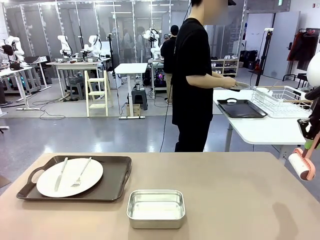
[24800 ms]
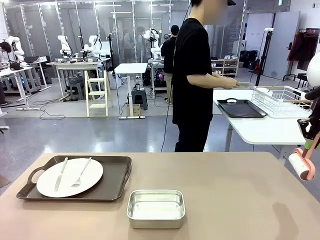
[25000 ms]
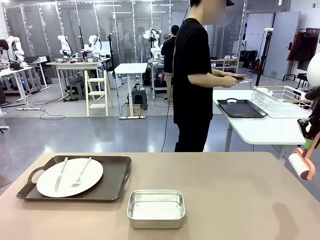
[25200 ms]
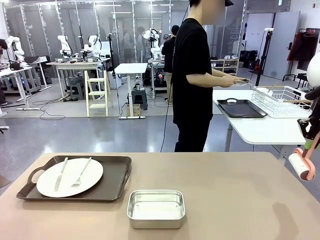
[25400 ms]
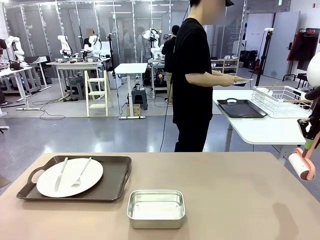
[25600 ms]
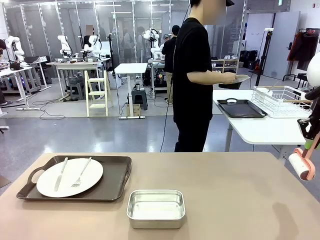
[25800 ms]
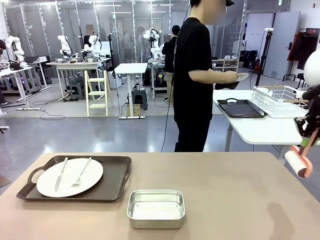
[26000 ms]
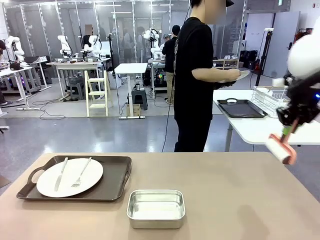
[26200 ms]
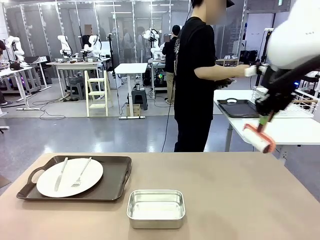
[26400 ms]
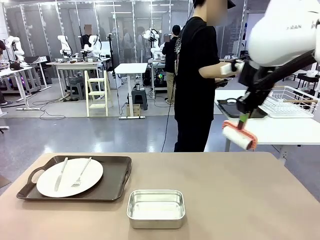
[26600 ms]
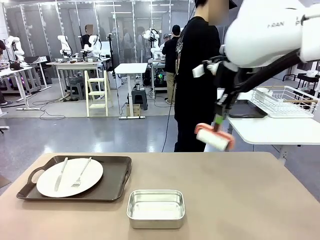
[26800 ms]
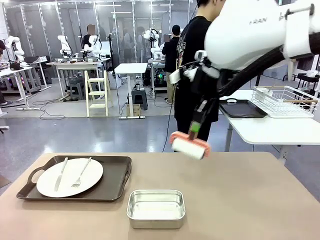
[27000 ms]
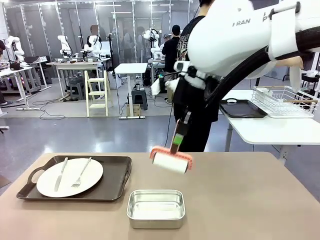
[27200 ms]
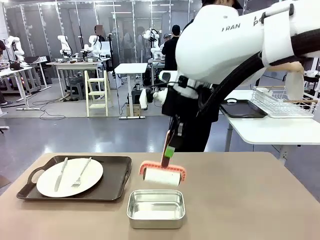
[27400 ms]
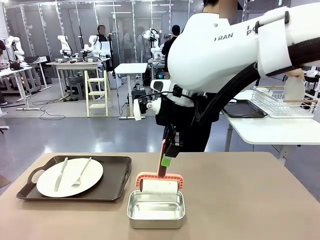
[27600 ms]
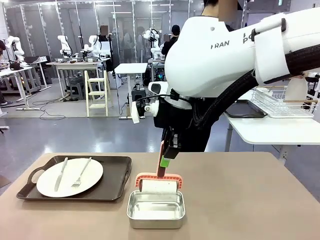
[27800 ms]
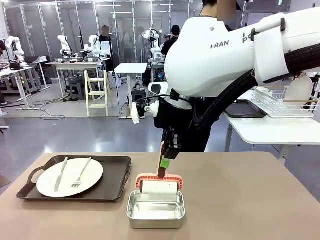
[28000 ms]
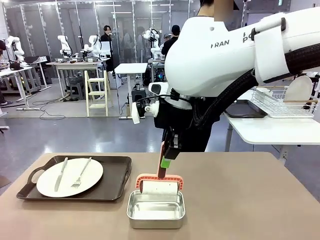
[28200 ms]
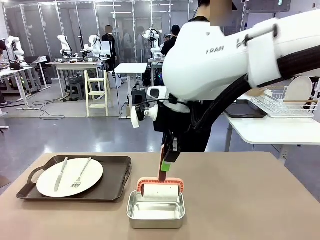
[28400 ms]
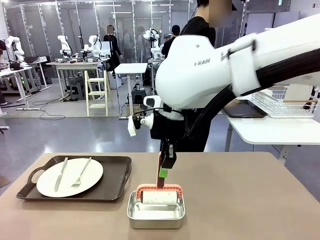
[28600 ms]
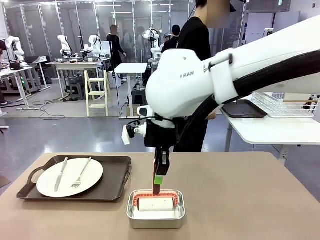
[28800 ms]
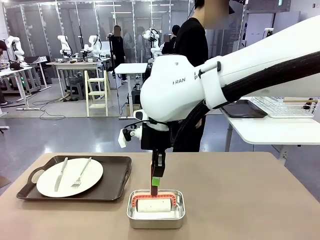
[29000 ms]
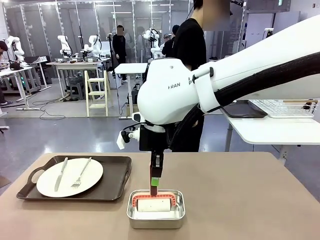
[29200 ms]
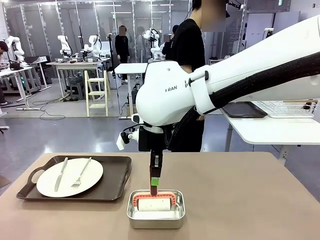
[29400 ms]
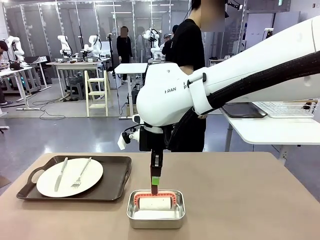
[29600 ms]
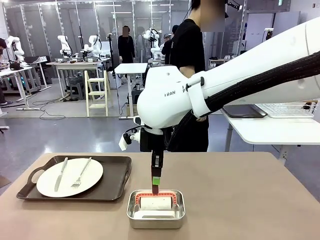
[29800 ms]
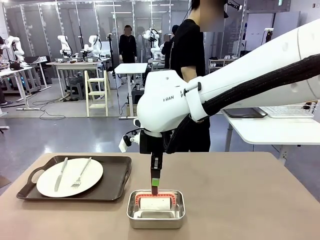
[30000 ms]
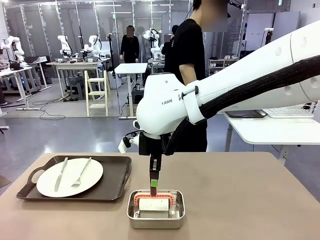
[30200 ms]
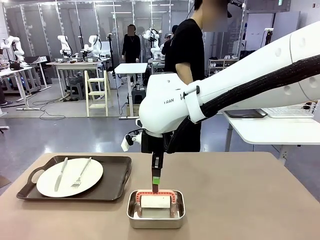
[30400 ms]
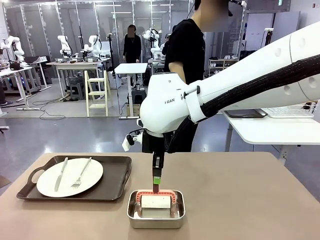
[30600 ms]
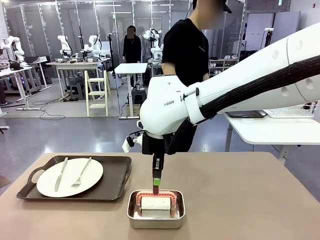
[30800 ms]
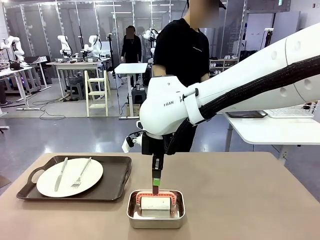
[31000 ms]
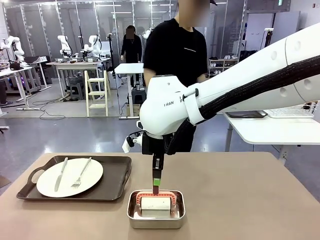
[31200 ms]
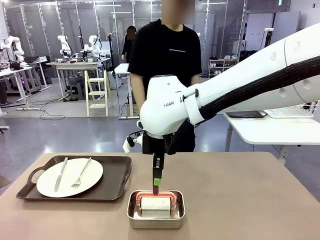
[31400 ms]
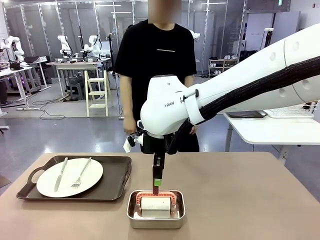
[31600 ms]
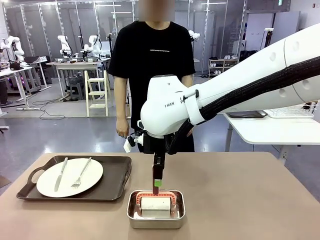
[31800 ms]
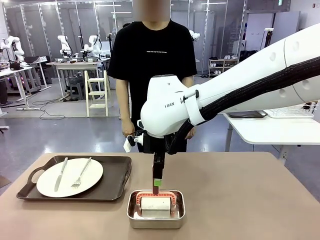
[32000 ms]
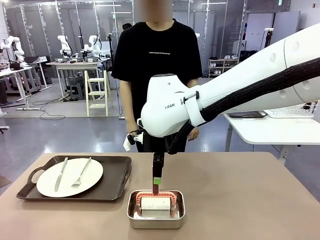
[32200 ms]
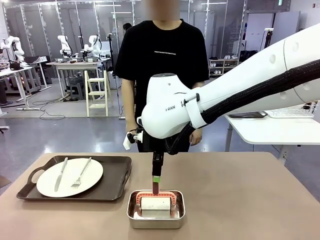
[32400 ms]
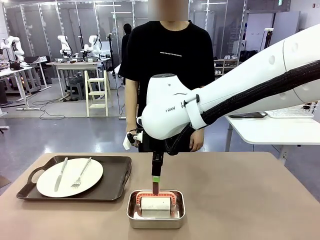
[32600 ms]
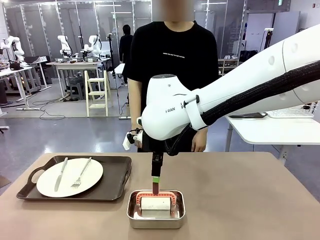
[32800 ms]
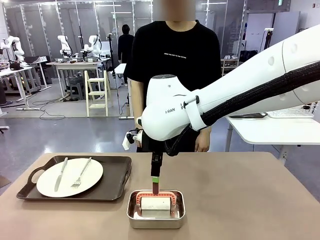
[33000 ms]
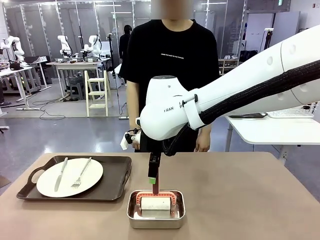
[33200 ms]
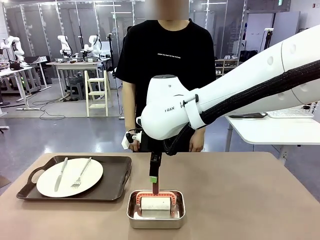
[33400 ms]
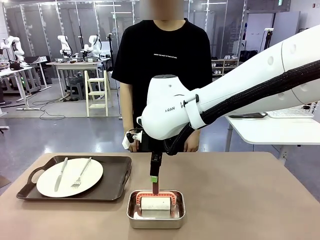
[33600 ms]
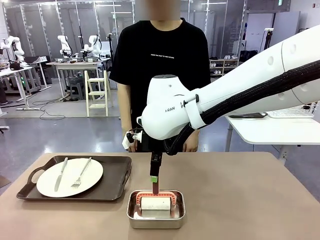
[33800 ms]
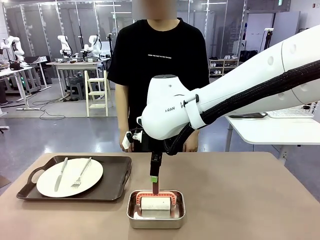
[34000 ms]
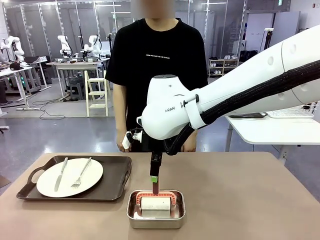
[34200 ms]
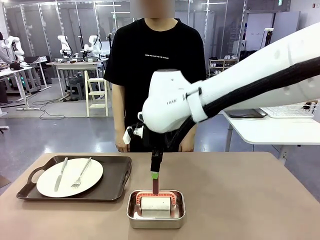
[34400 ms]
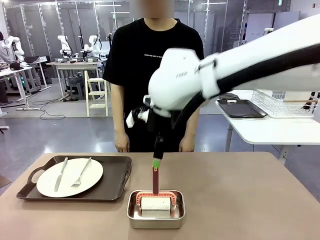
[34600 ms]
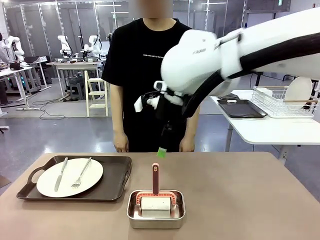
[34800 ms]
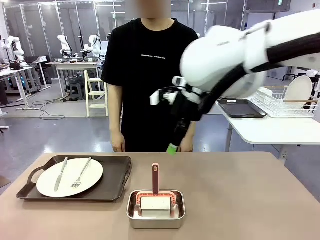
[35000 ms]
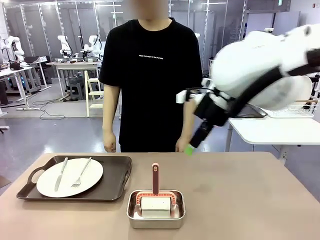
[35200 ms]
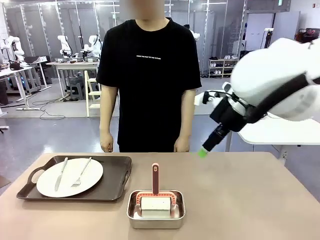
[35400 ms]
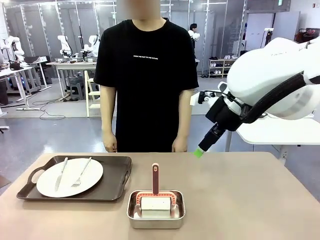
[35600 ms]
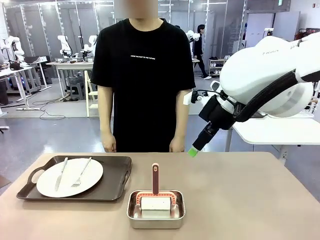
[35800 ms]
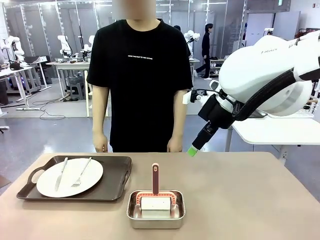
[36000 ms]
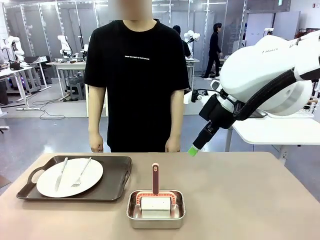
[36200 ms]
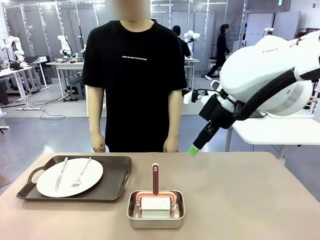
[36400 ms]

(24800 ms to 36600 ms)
Robot: Place the Lint Roller back on top of the Airtight Container.
Person: Pick up the left (or right) Handle tray and place it on the Handle tray.

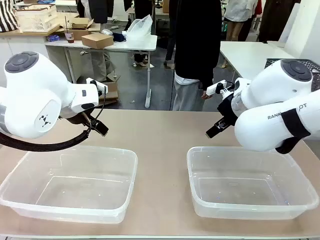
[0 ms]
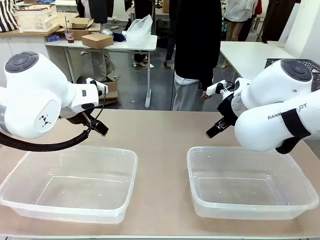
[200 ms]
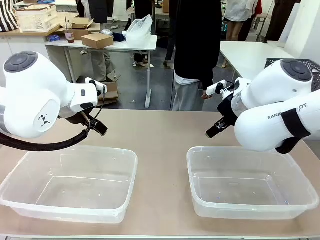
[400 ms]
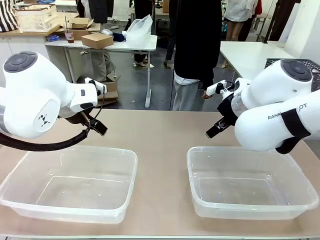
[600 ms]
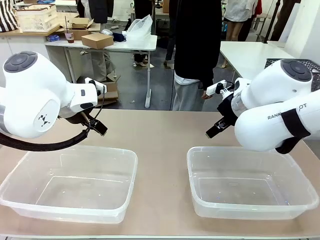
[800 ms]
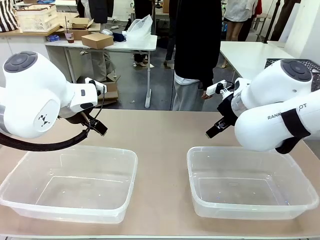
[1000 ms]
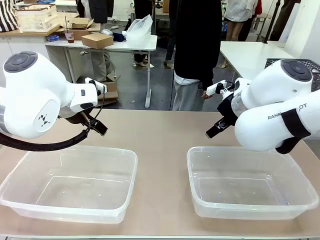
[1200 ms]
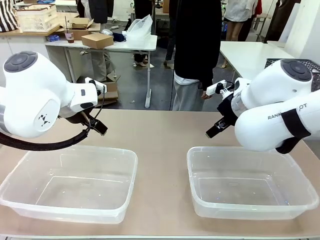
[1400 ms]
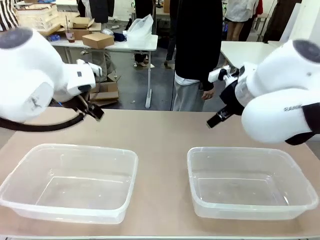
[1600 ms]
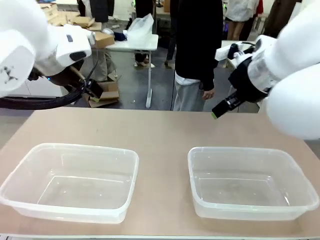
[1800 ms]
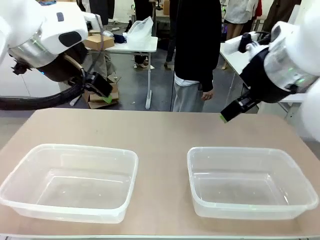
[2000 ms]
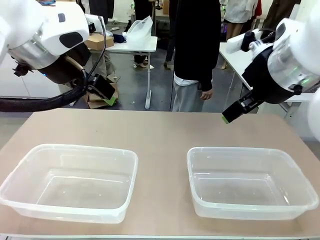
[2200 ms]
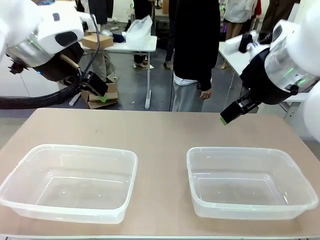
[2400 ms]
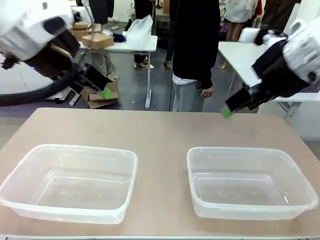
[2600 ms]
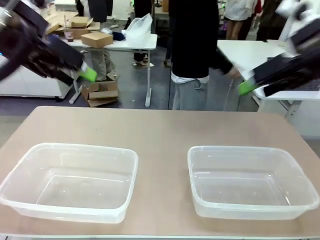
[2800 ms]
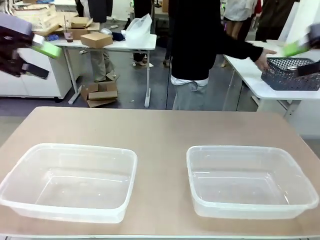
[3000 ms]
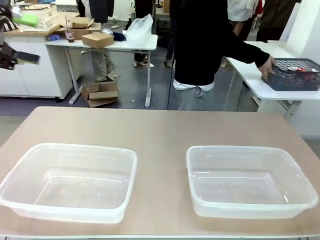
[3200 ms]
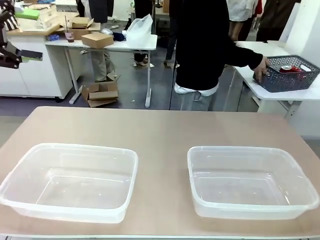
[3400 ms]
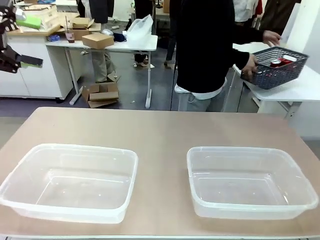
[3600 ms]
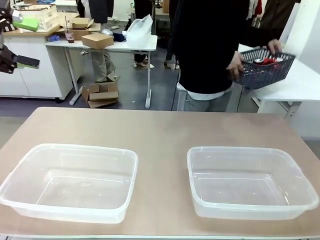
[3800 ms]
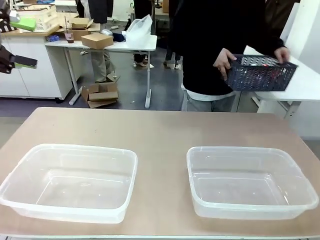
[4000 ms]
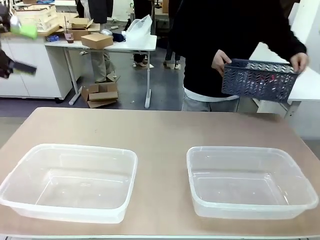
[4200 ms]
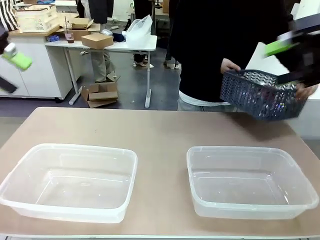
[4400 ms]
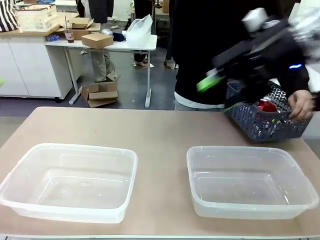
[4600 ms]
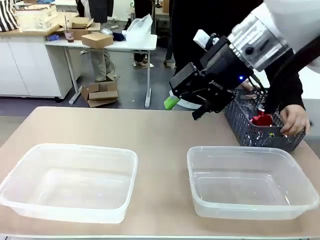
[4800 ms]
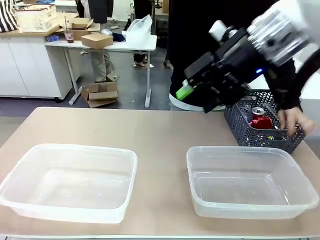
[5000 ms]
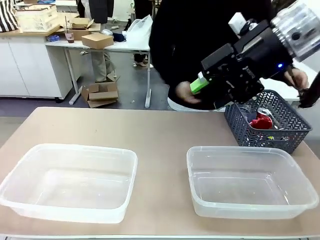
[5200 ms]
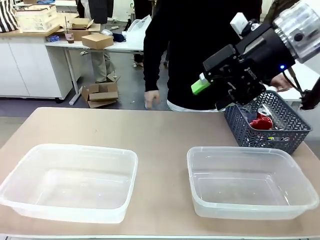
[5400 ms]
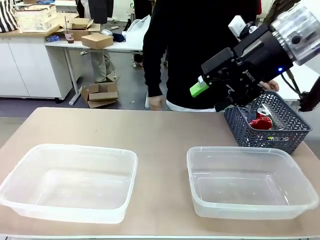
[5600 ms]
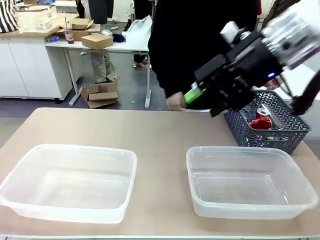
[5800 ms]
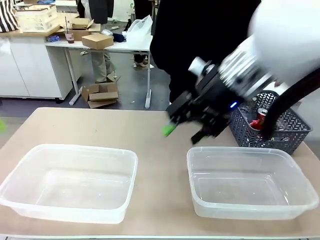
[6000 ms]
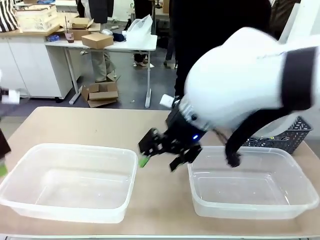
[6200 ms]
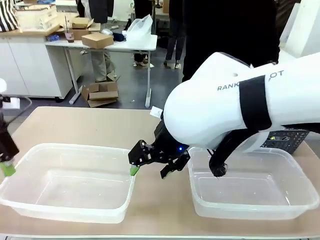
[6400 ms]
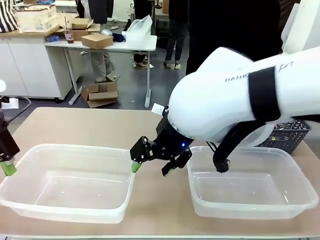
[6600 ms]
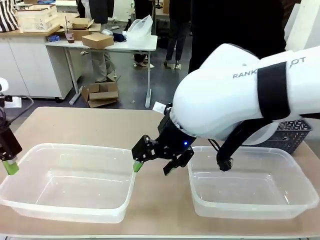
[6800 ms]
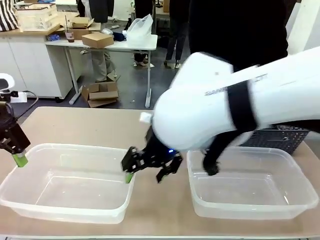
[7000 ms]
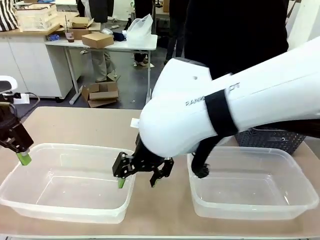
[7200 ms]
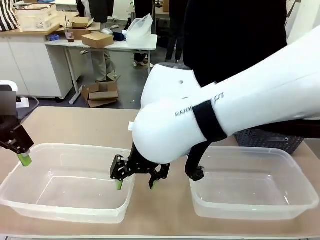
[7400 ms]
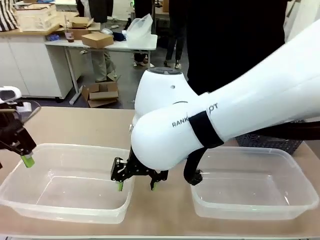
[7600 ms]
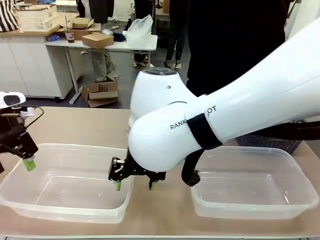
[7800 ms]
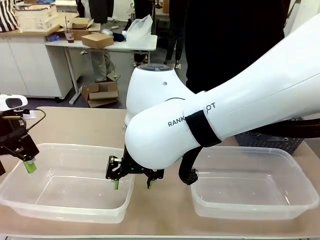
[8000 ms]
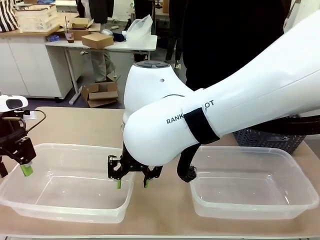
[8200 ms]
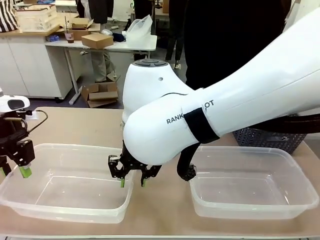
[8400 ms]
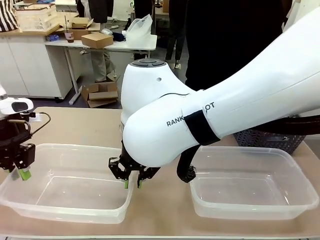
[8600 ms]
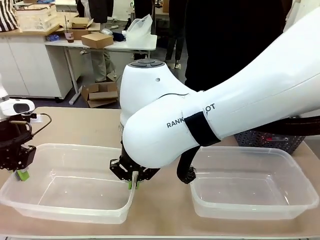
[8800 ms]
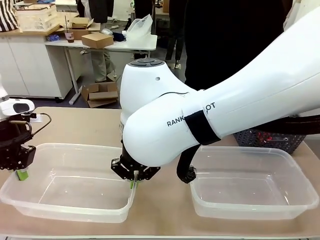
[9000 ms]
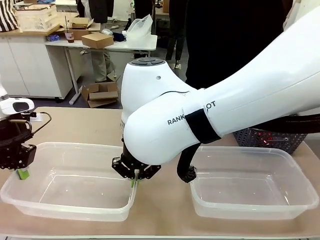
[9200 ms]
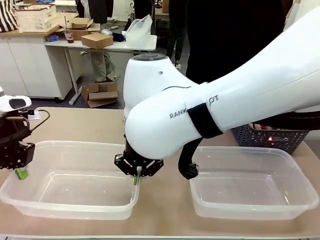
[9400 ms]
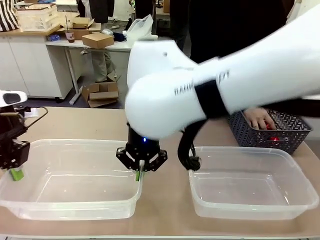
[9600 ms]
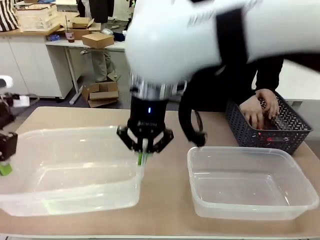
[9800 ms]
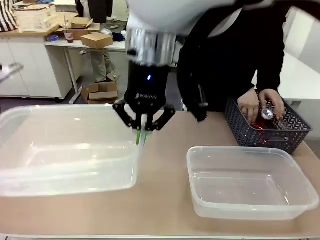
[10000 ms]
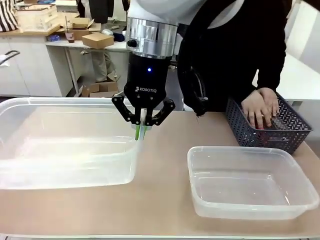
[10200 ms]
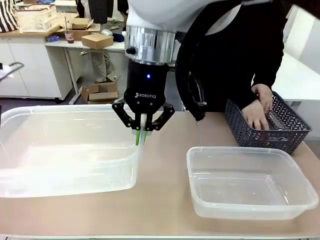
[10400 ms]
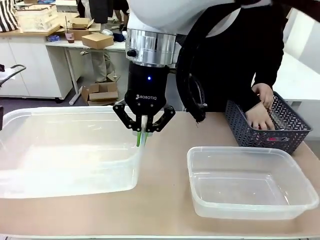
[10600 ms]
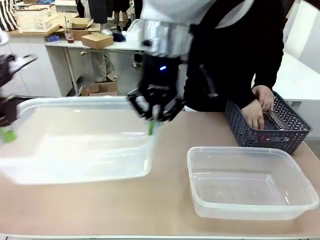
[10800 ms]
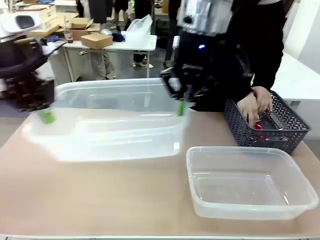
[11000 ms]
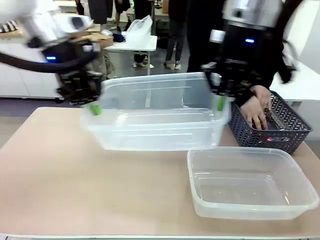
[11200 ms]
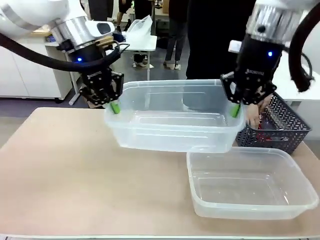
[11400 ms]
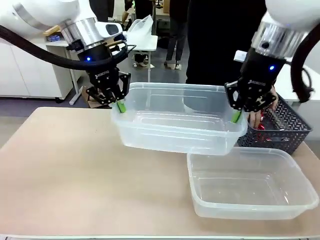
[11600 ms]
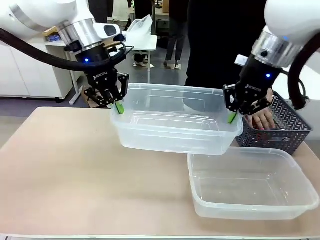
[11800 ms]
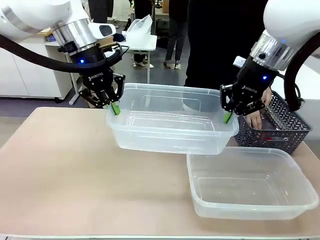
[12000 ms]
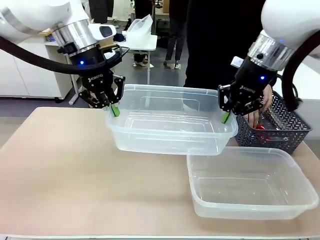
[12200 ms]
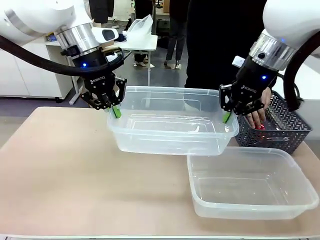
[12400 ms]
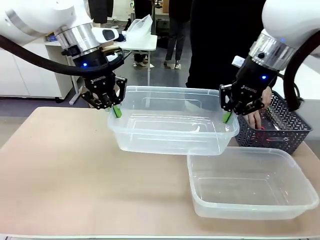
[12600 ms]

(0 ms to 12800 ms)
Robot: Pick up the Organizing box on the left side of the table and lift it.
Person: Pick up the storage basket and place it on the left side of the robot table. Pick up can-shaped waste one by one and place it into the organizing box lifted by the robot.
